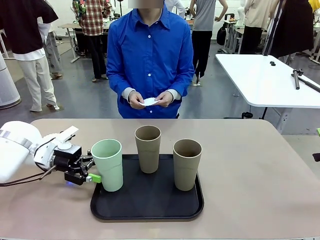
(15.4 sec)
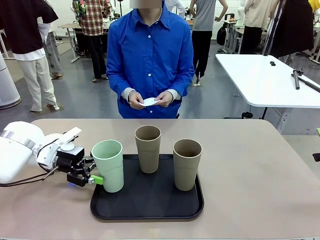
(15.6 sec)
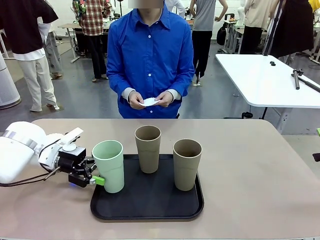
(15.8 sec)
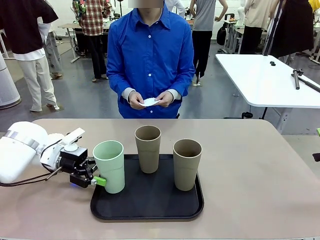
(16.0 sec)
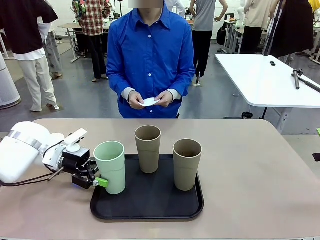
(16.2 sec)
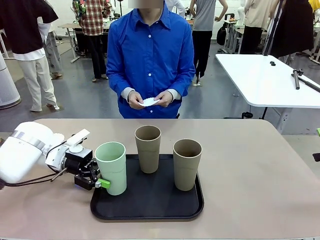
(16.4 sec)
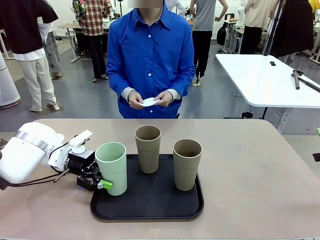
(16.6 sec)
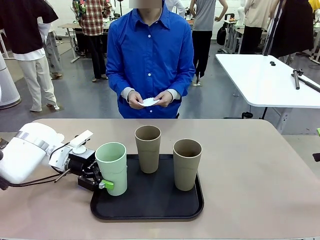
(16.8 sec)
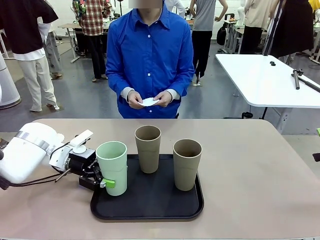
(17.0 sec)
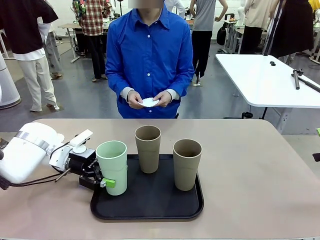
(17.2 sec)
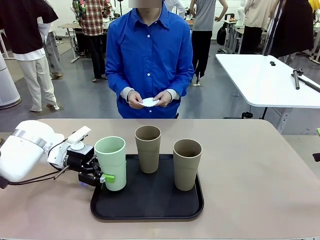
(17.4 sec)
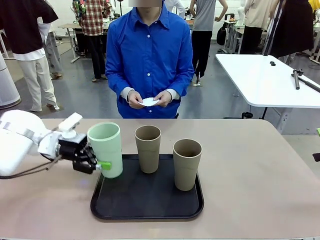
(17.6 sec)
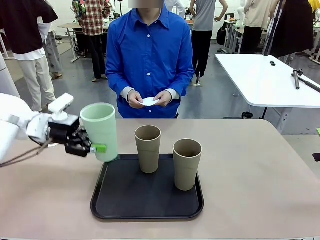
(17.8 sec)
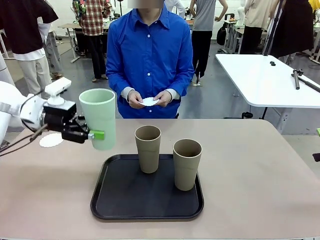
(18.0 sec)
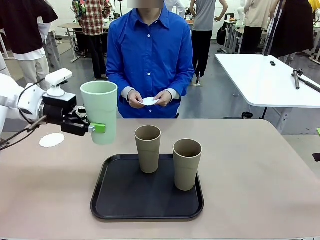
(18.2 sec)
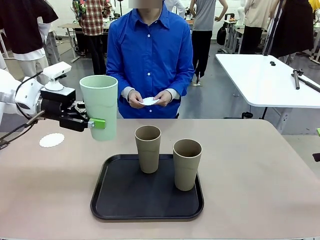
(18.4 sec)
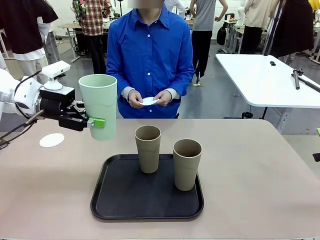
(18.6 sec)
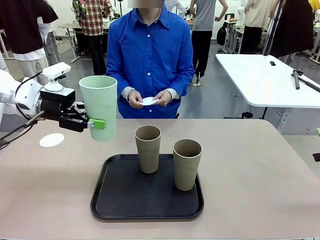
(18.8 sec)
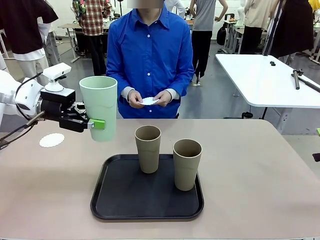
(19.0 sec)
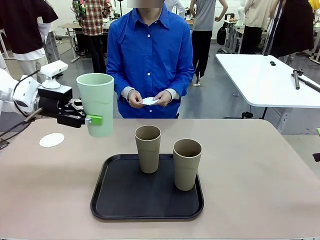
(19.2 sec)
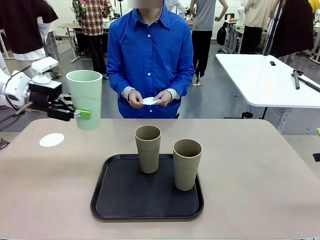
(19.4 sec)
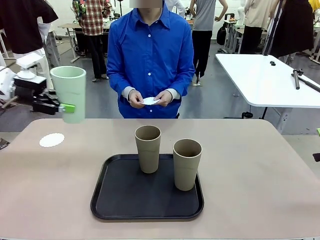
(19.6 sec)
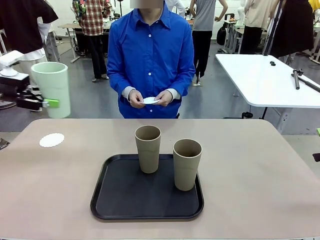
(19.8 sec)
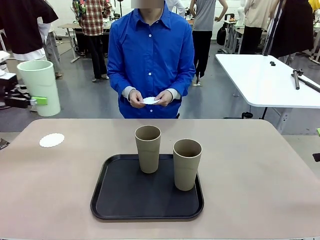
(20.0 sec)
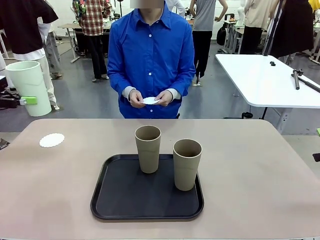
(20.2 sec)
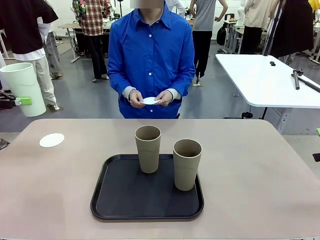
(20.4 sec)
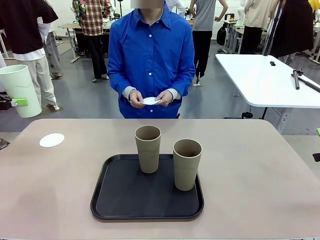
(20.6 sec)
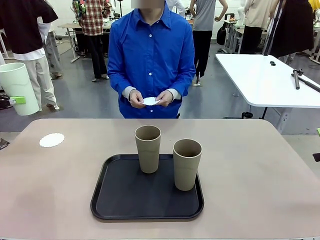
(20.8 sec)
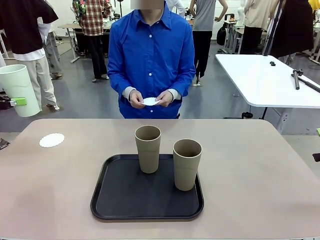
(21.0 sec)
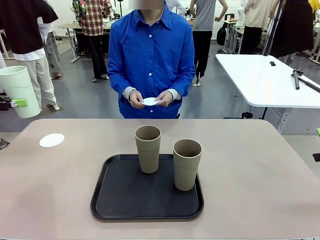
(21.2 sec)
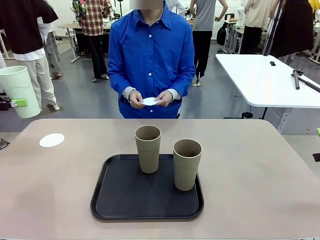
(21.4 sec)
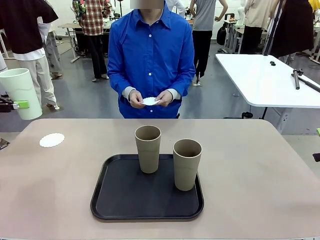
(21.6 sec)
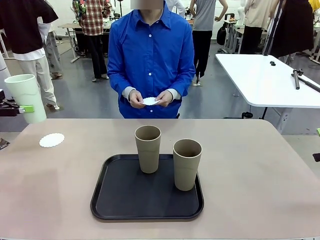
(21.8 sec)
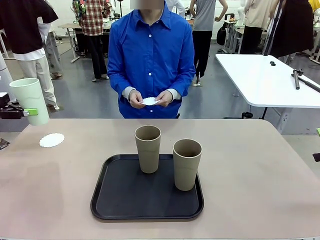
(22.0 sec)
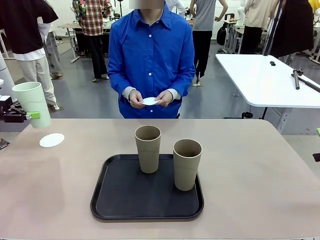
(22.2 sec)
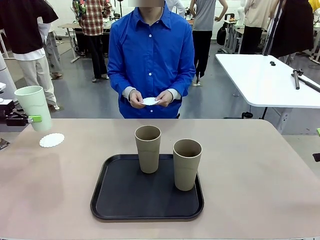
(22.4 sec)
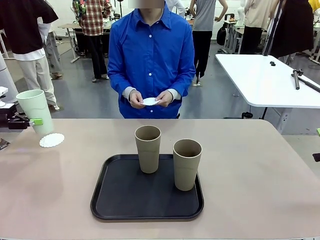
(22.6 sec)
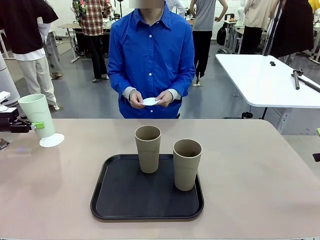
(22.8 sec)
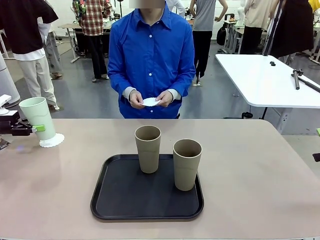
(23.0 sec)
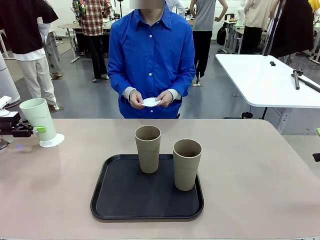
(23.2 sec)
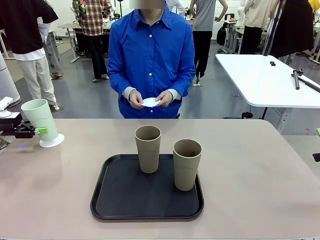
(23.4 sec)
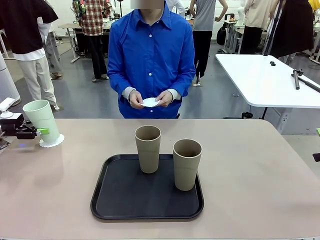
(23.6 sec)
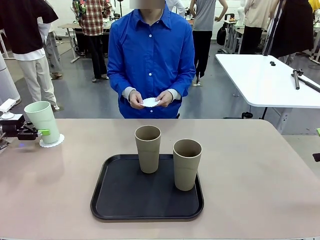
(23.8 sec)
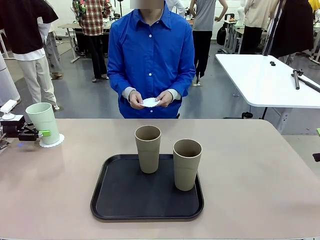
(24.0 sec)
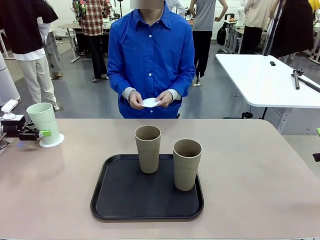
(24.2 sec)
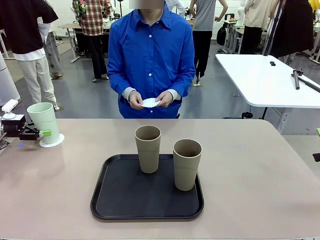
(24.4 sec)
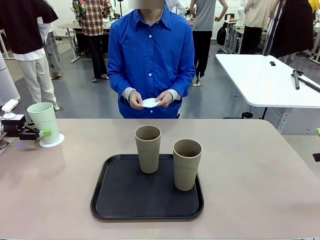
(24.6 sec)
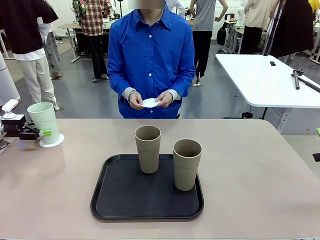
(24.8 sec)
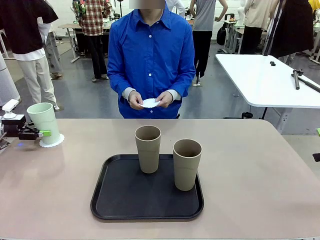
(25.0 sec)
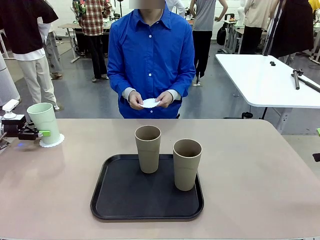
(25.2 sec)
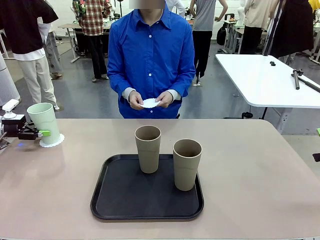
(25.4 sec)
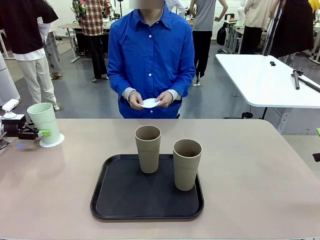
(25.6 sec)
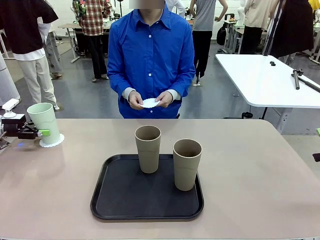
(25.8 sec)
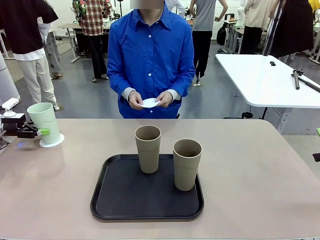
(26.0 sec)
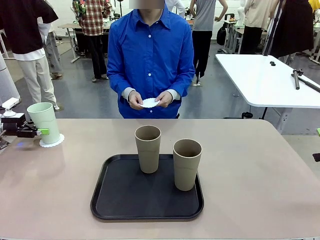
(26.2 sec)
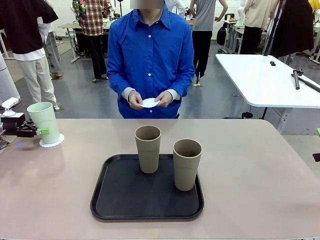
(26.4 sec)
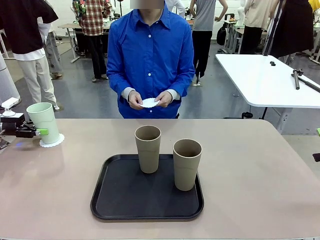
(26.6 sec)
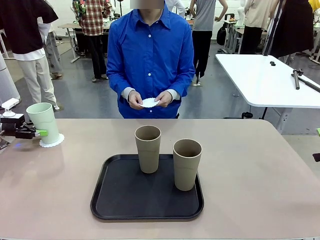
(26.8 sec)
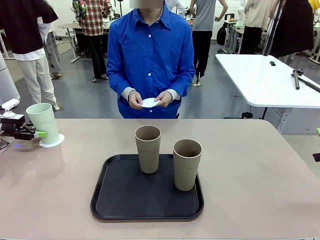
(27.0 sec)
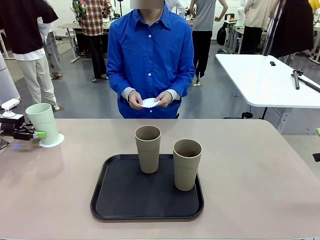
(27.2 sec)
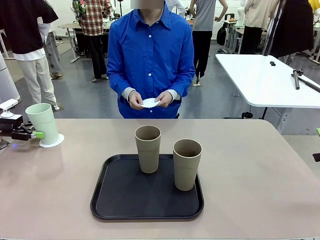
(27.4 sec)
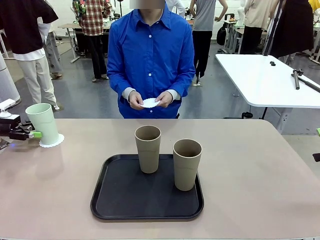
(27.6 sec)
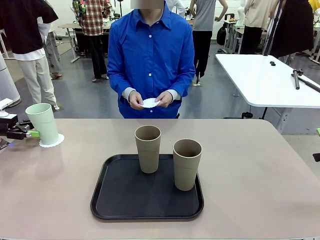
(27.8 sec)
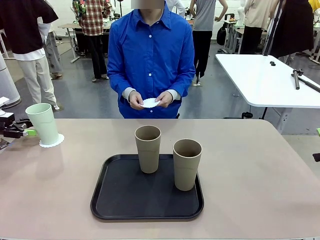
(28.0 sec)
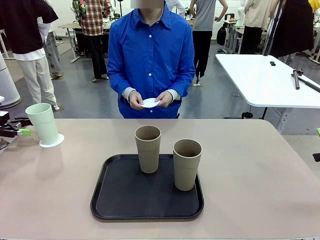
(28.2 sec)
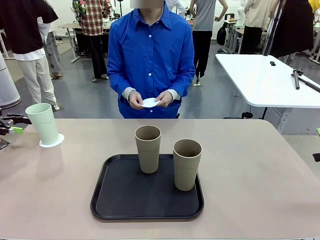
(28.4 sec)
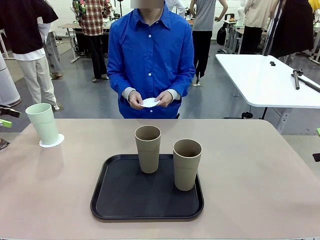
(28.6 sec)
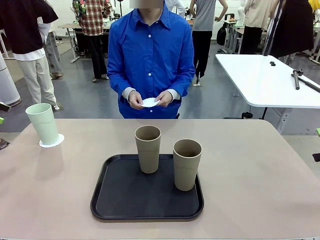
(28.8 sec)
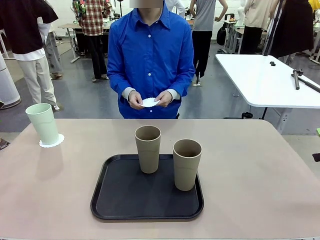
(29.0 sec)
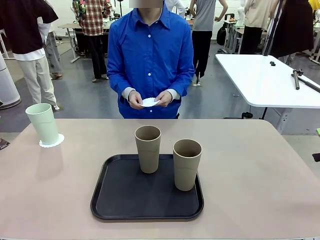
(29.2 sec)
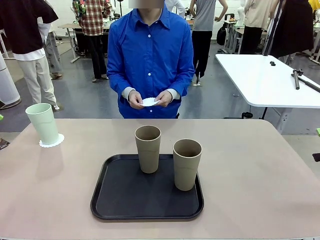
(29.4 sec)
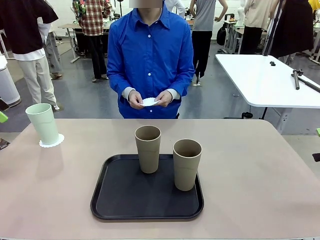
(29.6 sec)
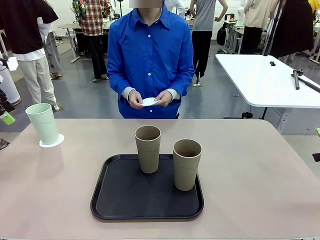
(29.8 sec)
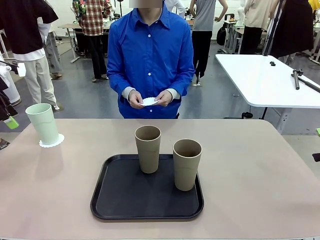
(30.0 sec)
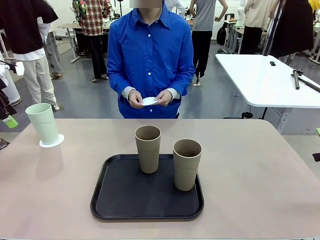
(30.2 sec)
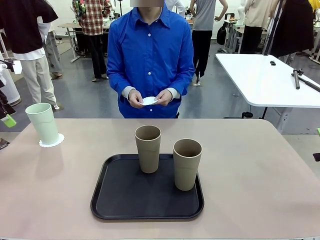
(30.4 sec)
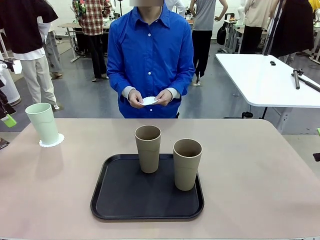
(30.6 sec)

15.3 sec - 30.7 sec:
Task: Place coasters on the table and set cups on them.
Robot: Pick up one Reusable plastic cup and place it on a coaster set by the human.
Person: Place one coaster in one of the two areas excluding the previously selected area.
